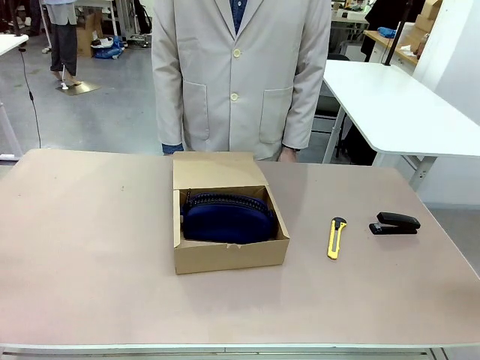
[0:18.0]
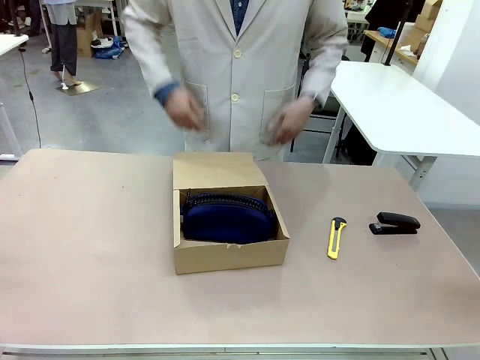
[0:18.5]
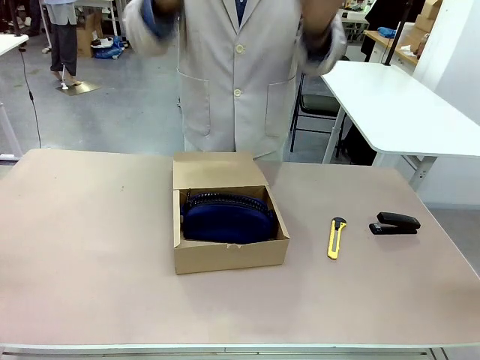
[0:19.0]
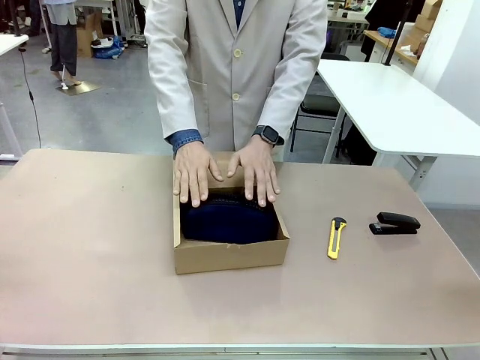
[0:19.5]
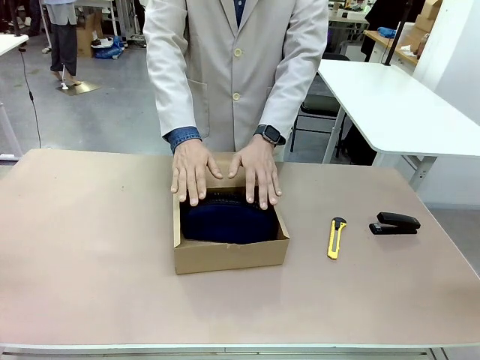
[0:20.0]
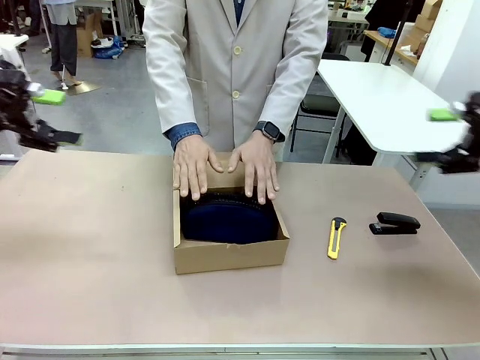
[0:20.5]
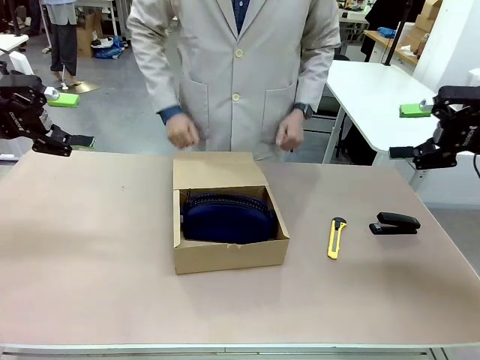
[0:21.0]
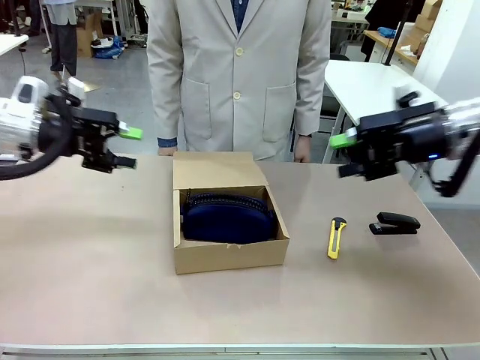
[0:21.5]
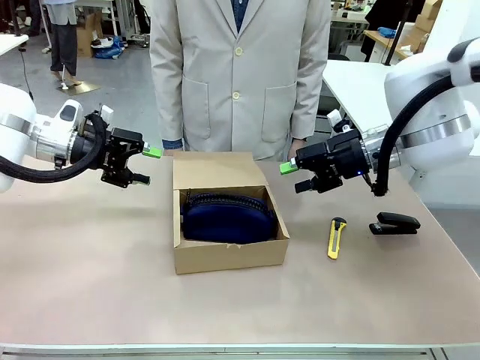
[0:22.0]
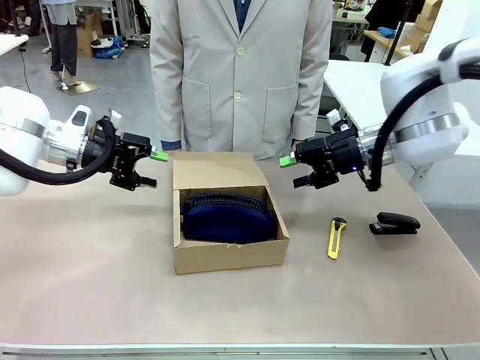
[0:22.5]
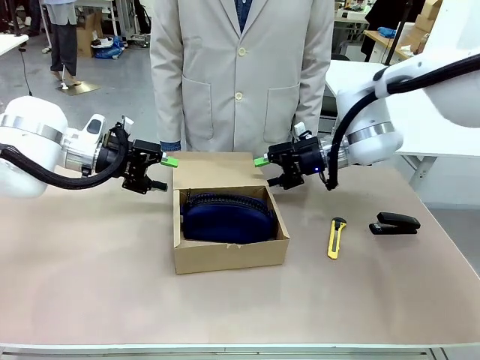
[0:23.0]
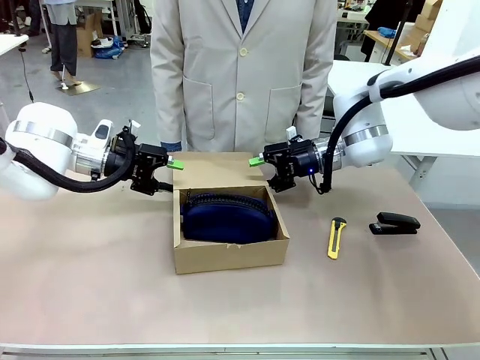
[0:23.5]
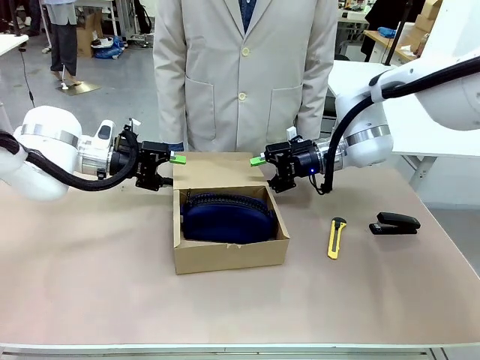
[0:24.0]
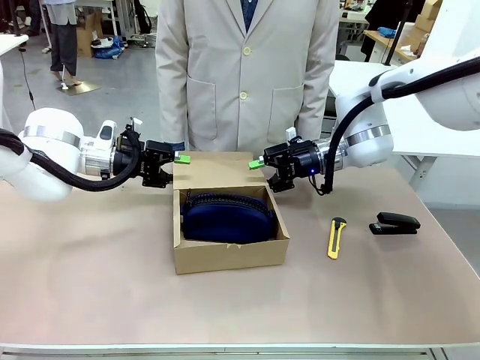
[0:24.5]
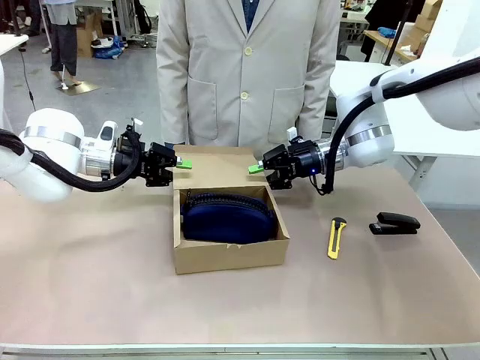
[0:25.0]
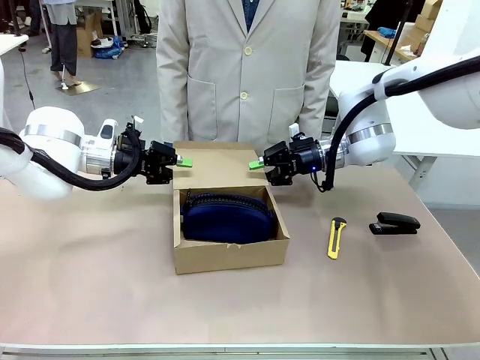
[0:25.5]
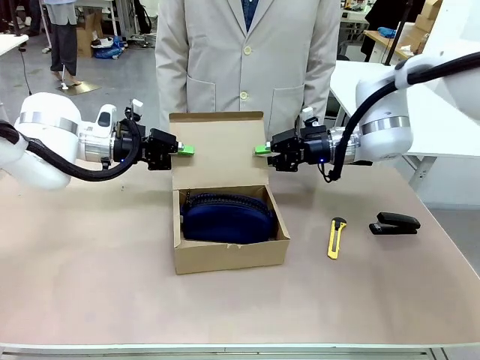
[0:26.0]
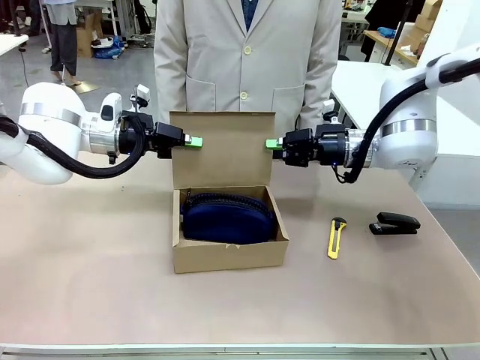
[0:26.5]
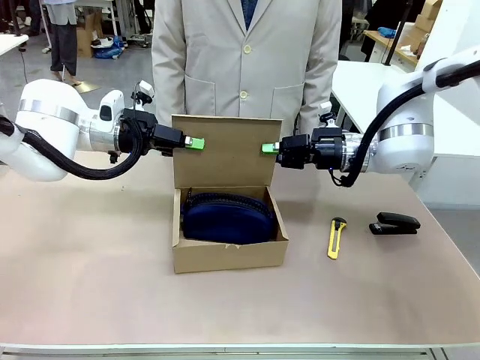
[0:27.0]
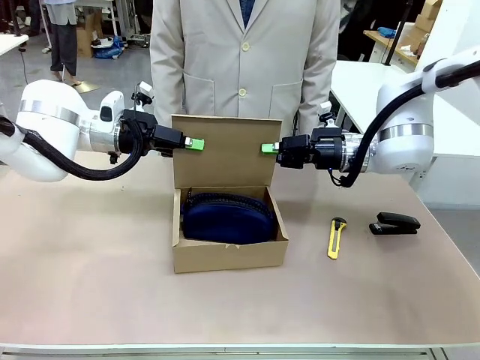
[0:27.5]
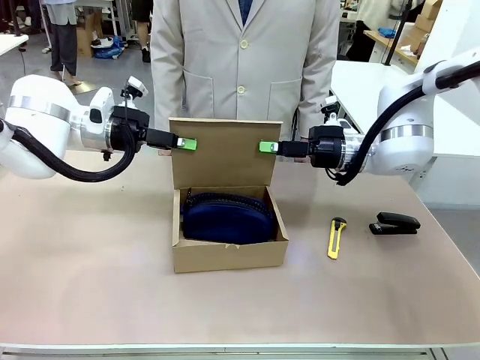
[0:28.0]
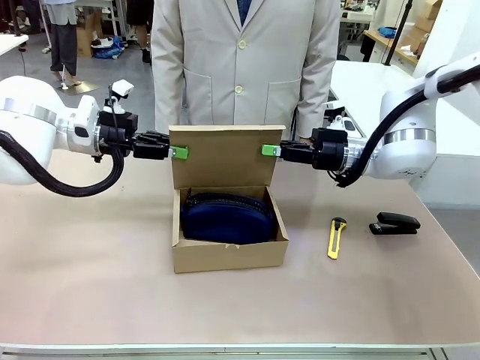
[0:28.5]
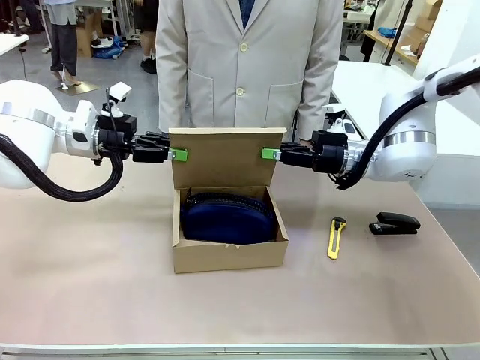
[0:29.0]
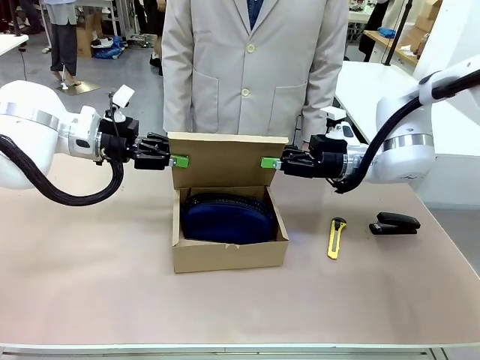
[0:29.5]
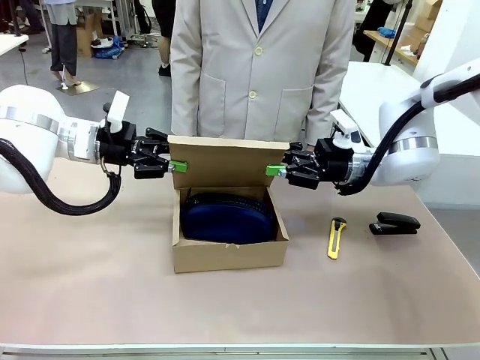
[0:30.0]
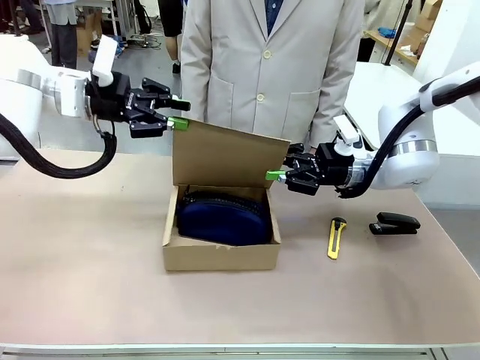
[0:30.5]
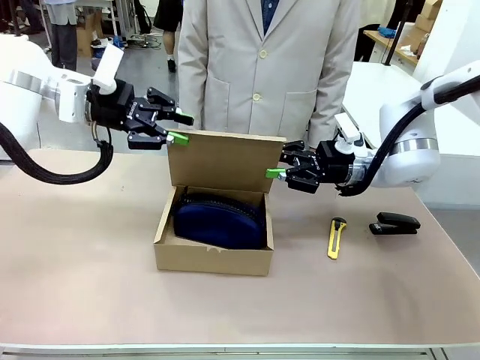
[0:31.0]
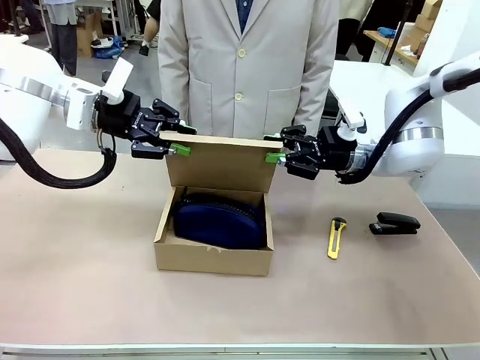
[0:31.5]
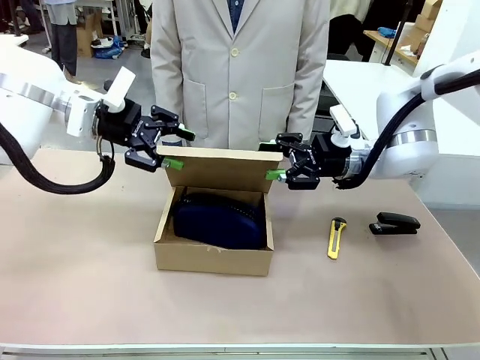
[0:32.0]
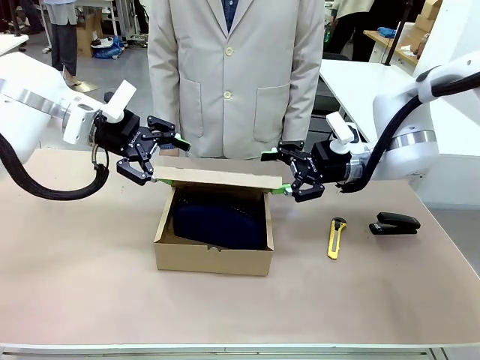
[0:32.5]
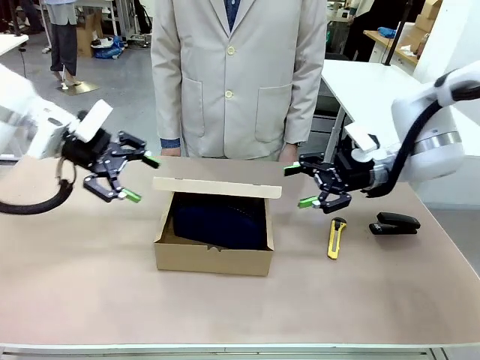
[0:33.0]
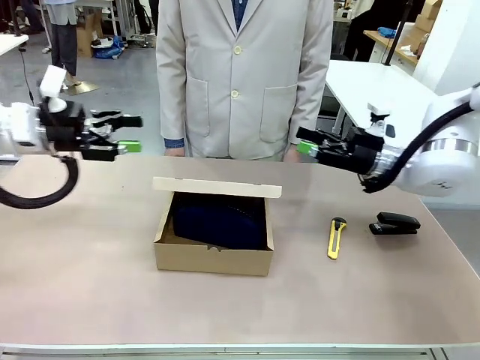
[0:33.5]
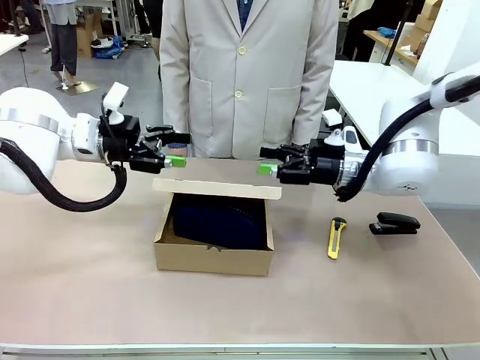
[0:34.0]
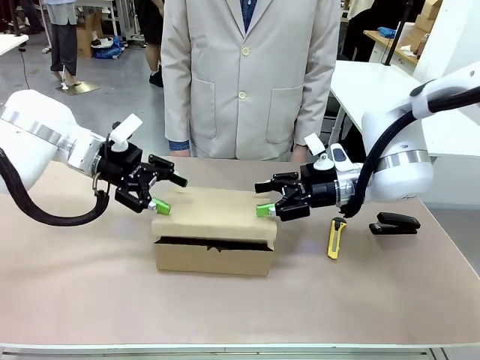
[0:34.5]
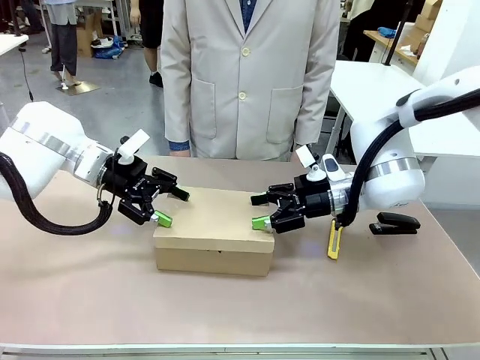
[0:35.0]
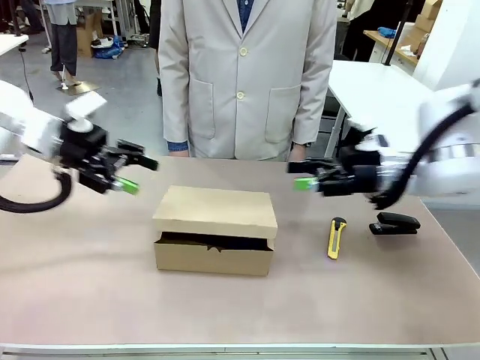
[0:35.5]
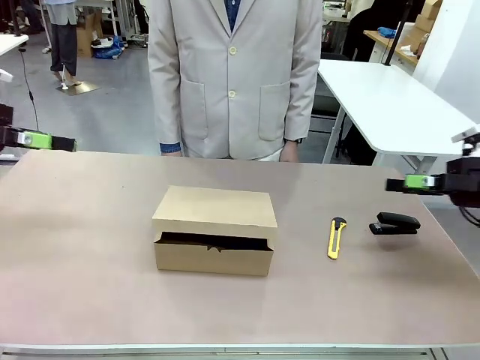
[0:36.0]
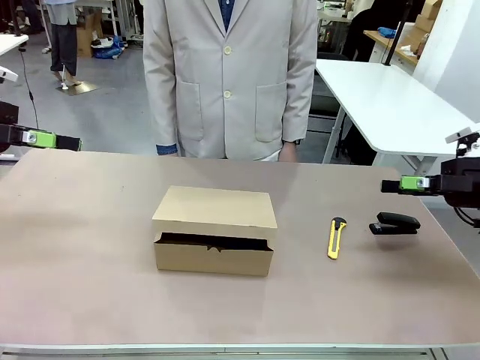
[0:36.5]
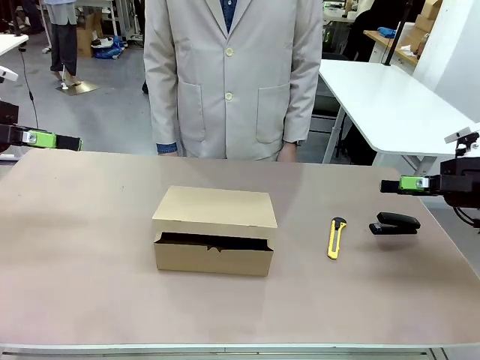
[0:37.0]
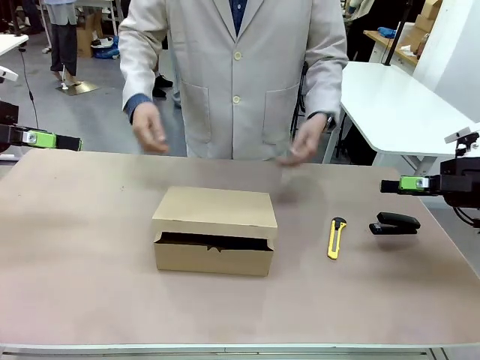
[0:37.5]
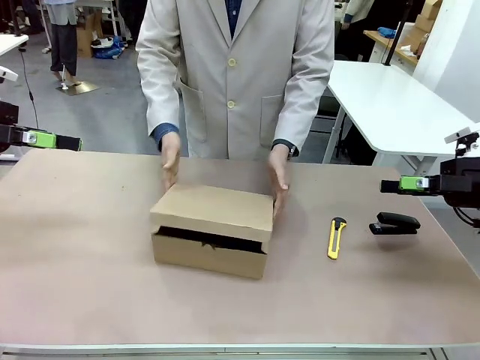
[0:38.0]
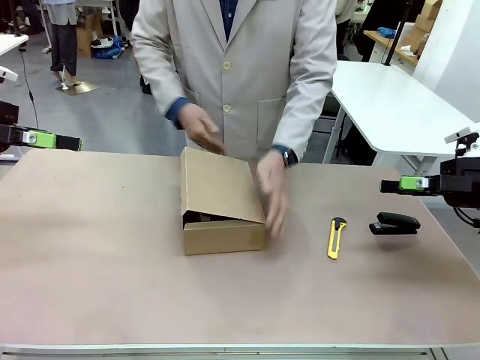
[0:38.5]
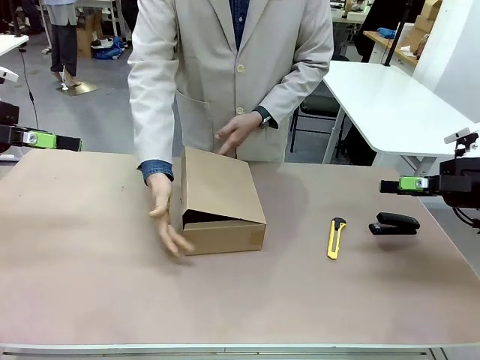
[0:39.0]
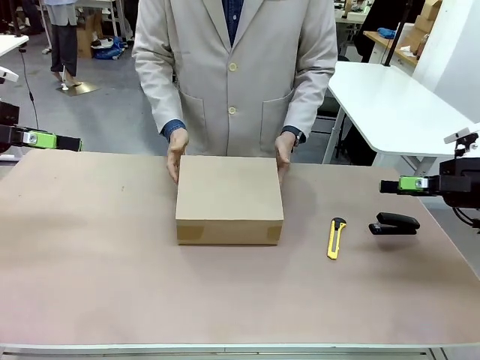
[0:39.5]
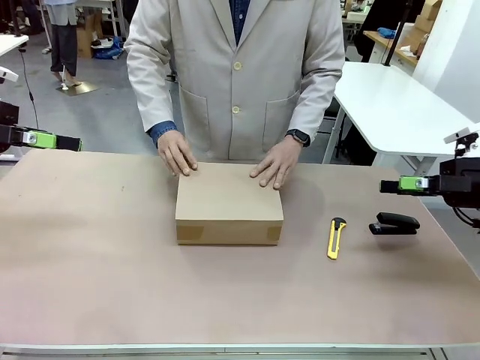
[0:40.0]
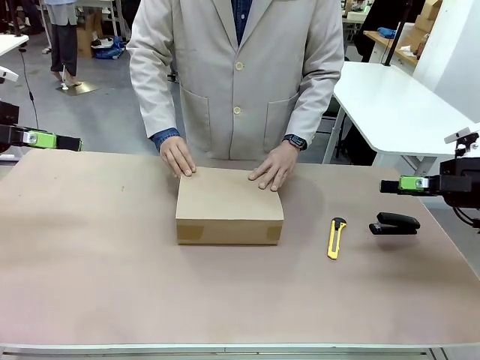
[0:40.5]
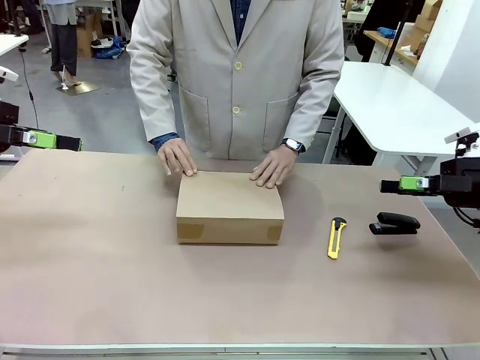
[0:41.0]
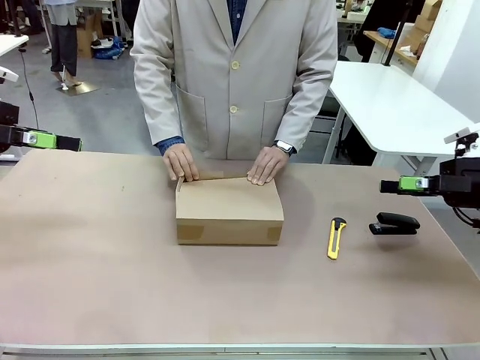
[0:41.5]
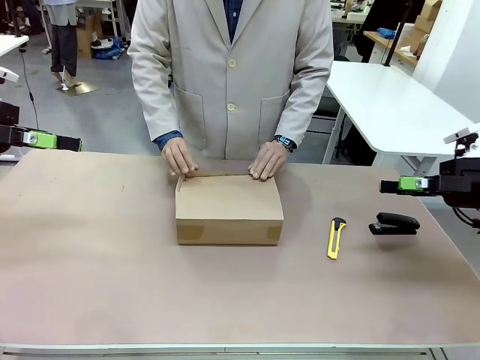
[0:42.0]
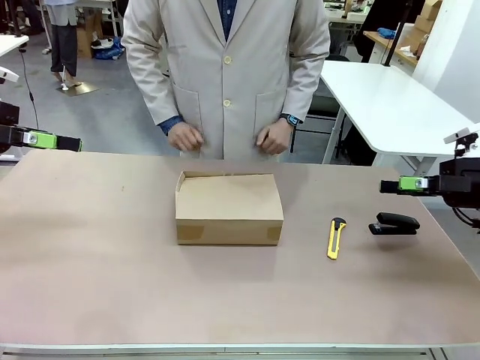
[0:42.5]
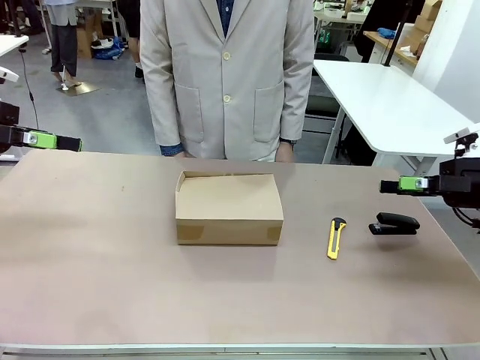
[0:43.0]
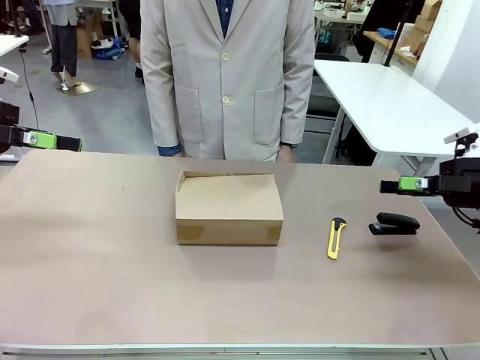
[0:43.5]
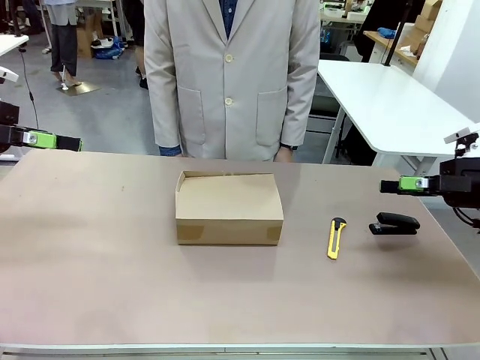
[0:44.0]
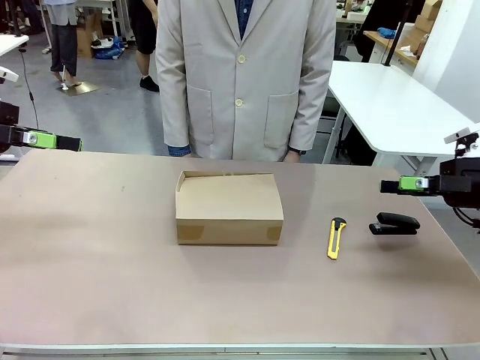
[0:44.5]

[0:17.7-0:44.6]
Task: Pack the item into the box.
Robot: Close the Mailer Box.
Person: Lower both hands vertically with palms facing downward, as if pressing something closed. Turn the box and lock it.
